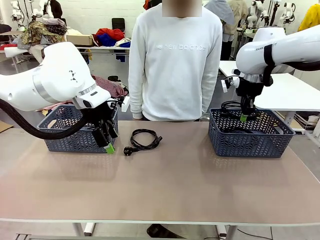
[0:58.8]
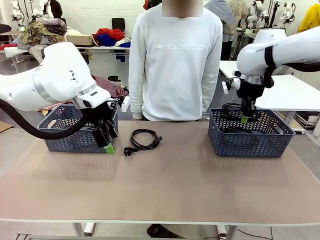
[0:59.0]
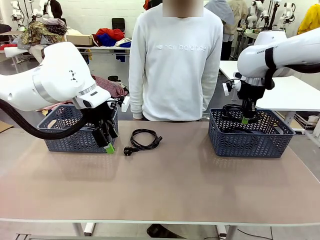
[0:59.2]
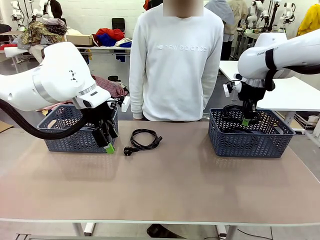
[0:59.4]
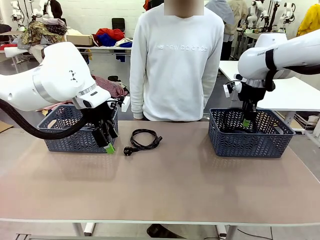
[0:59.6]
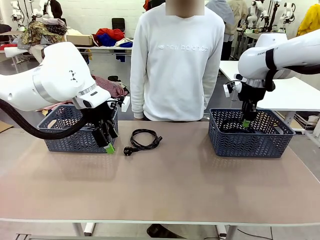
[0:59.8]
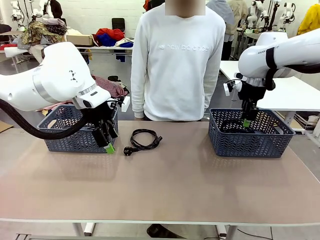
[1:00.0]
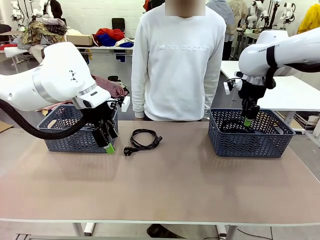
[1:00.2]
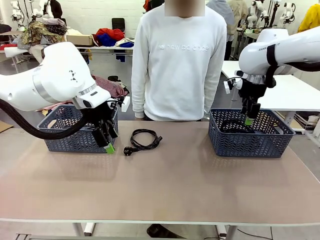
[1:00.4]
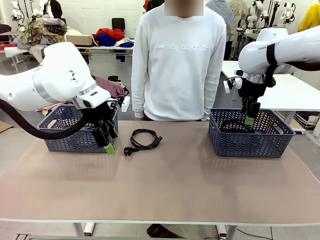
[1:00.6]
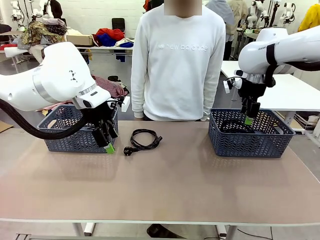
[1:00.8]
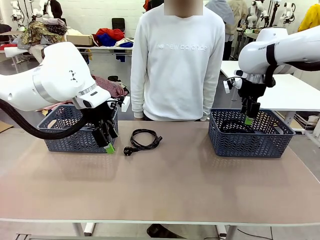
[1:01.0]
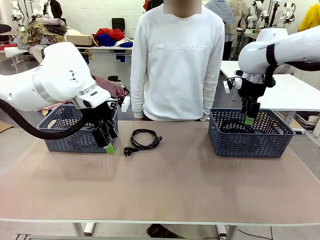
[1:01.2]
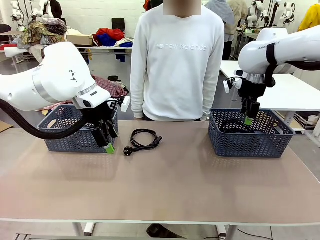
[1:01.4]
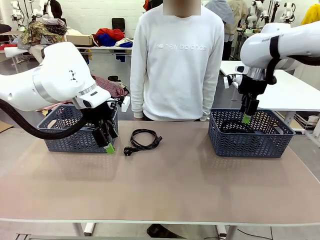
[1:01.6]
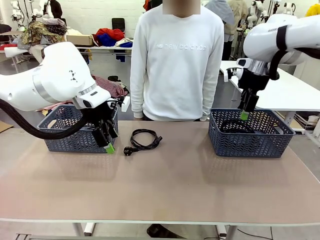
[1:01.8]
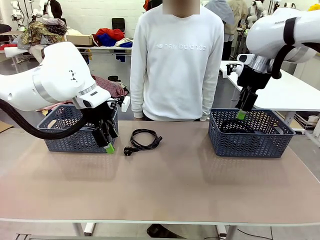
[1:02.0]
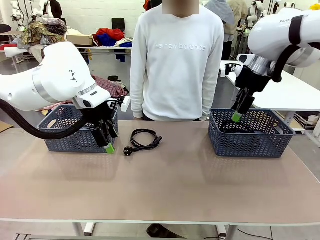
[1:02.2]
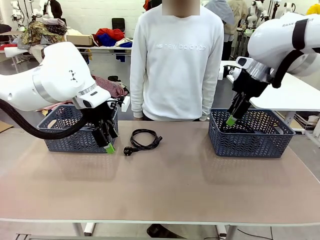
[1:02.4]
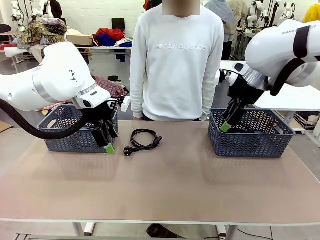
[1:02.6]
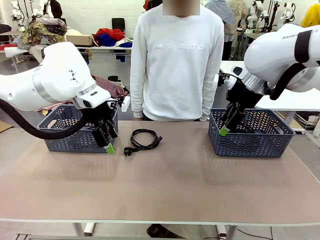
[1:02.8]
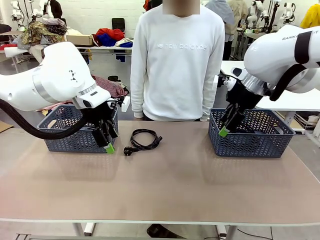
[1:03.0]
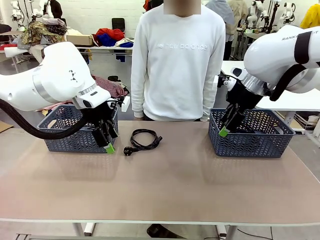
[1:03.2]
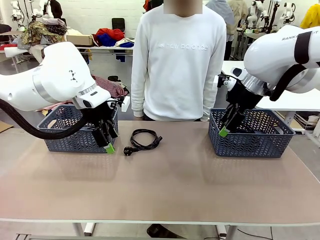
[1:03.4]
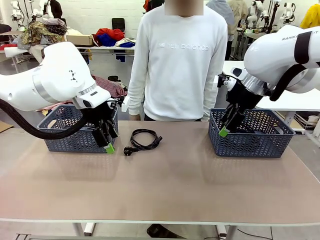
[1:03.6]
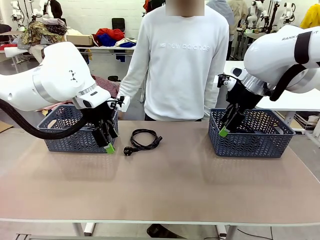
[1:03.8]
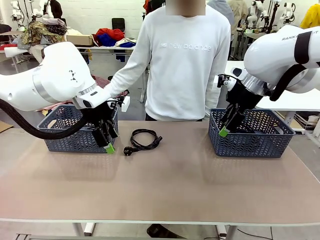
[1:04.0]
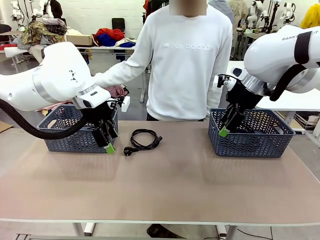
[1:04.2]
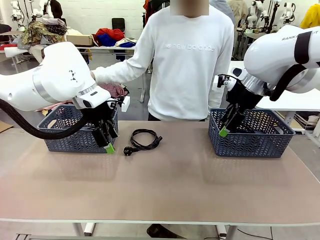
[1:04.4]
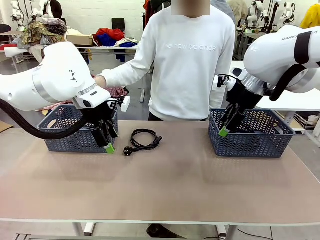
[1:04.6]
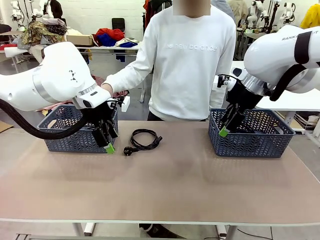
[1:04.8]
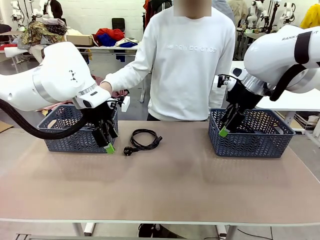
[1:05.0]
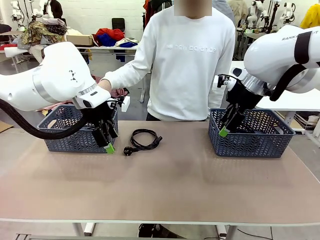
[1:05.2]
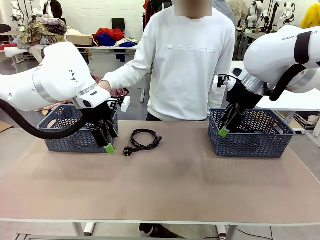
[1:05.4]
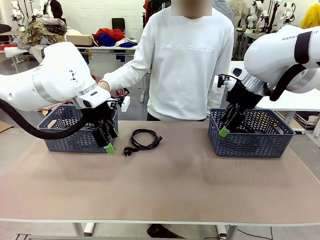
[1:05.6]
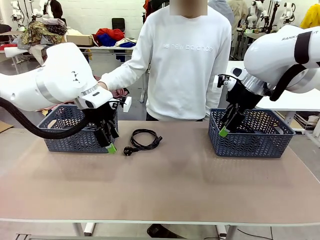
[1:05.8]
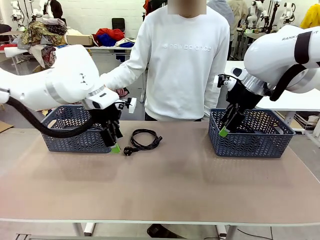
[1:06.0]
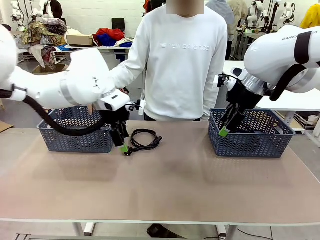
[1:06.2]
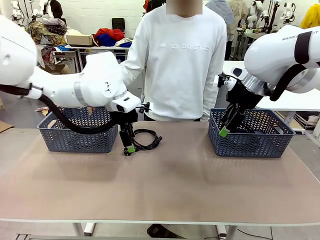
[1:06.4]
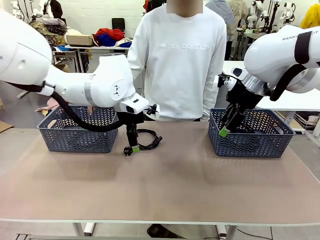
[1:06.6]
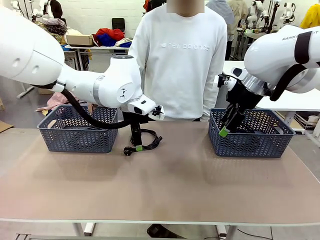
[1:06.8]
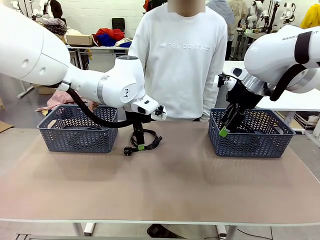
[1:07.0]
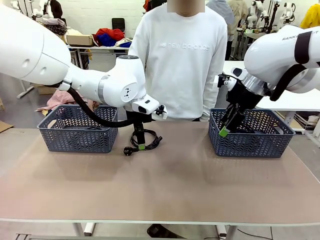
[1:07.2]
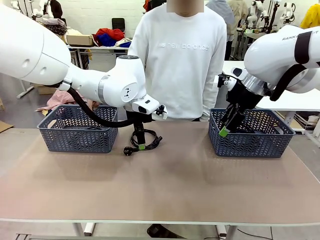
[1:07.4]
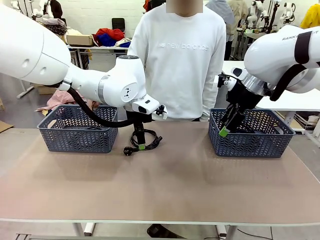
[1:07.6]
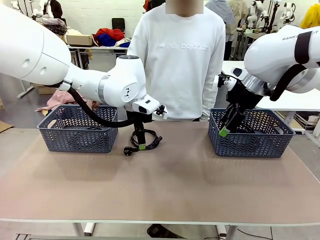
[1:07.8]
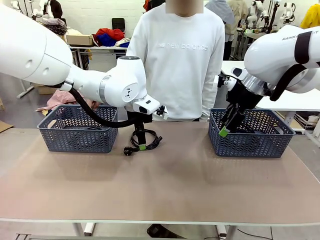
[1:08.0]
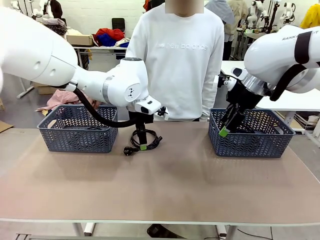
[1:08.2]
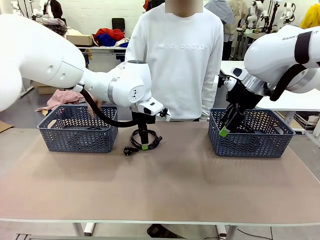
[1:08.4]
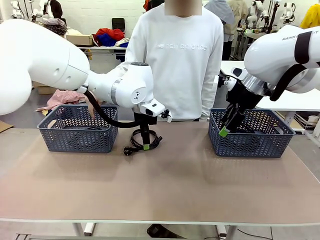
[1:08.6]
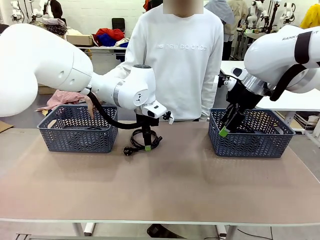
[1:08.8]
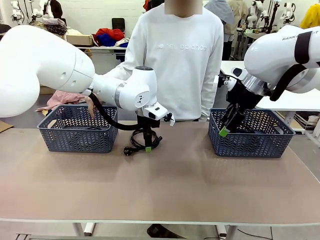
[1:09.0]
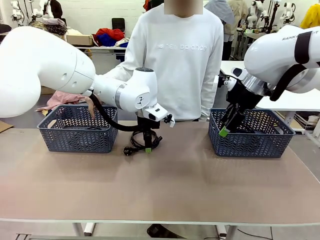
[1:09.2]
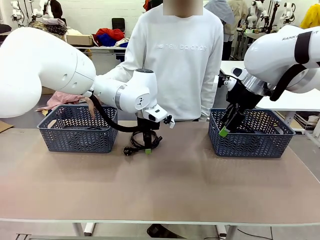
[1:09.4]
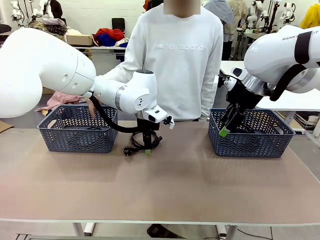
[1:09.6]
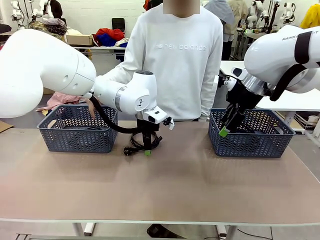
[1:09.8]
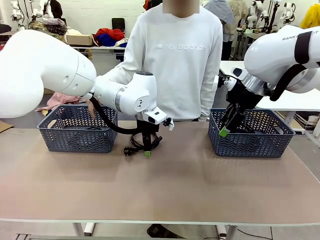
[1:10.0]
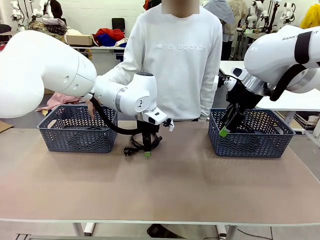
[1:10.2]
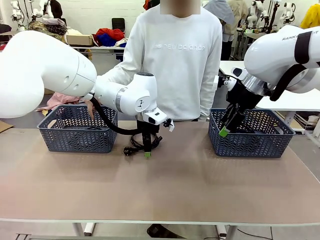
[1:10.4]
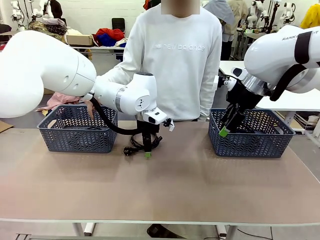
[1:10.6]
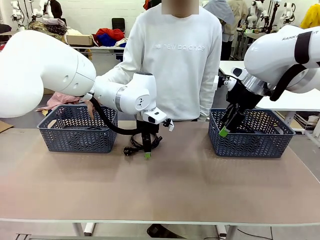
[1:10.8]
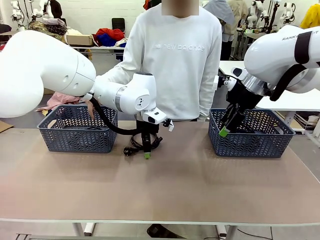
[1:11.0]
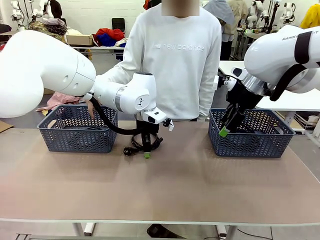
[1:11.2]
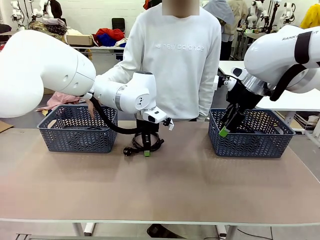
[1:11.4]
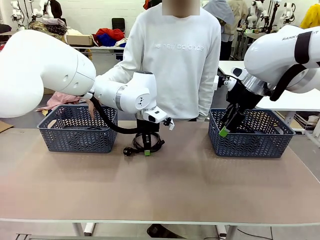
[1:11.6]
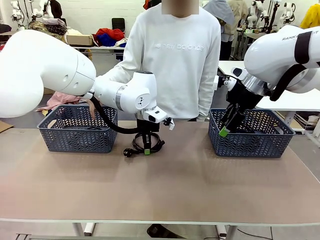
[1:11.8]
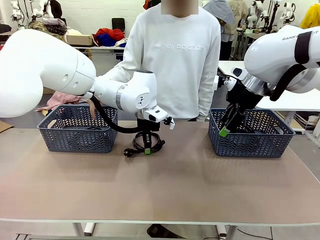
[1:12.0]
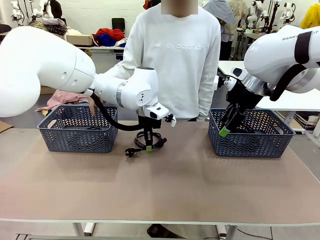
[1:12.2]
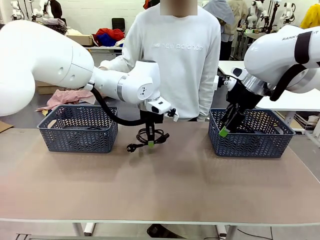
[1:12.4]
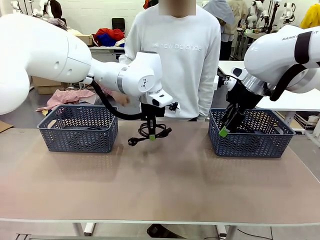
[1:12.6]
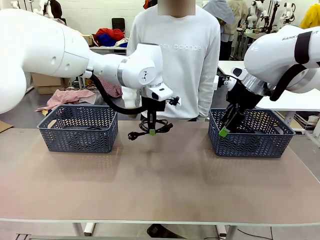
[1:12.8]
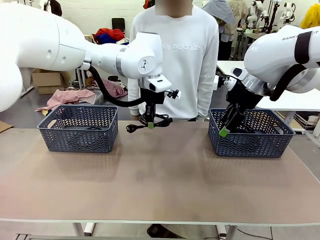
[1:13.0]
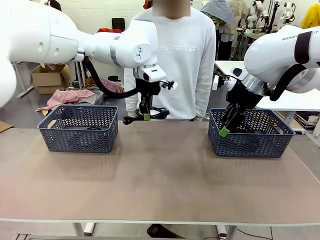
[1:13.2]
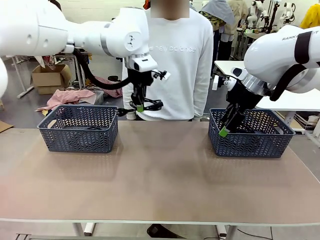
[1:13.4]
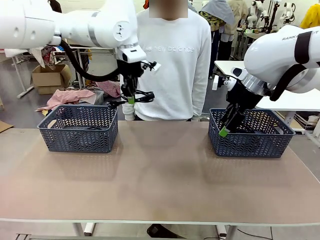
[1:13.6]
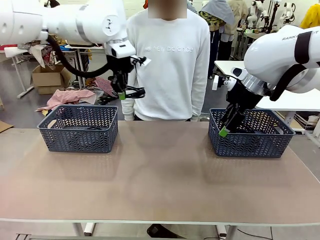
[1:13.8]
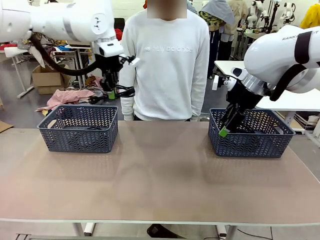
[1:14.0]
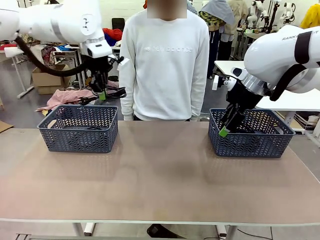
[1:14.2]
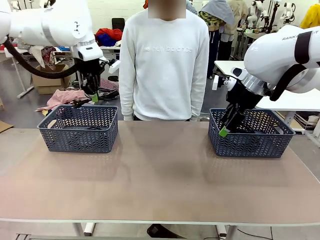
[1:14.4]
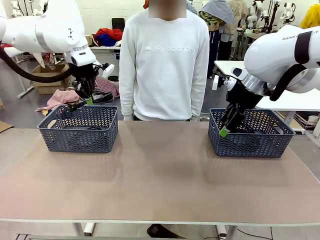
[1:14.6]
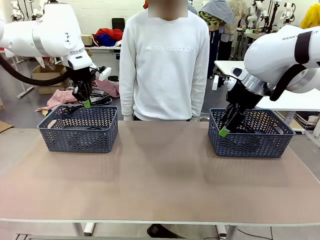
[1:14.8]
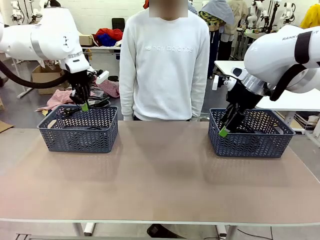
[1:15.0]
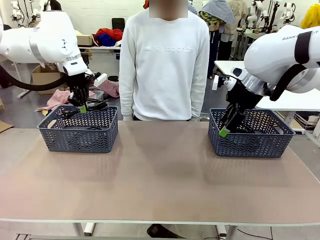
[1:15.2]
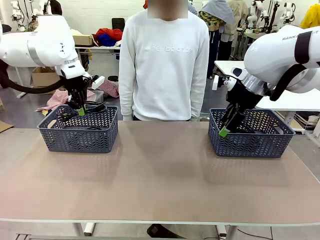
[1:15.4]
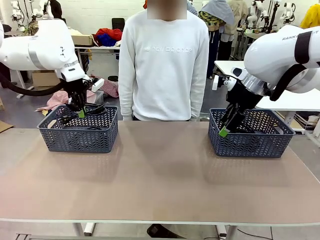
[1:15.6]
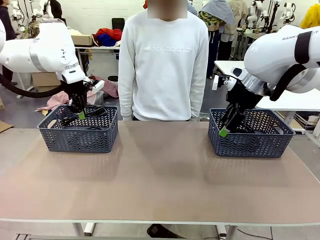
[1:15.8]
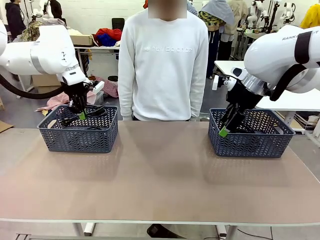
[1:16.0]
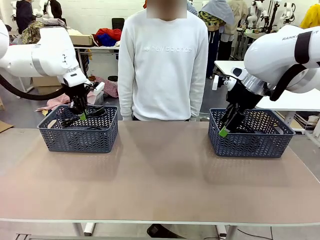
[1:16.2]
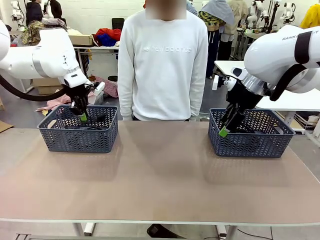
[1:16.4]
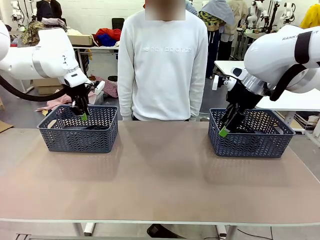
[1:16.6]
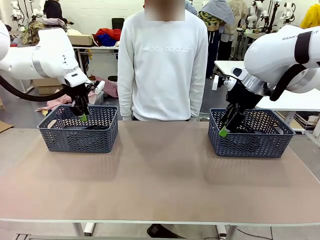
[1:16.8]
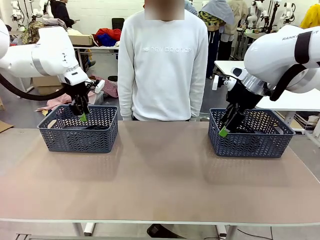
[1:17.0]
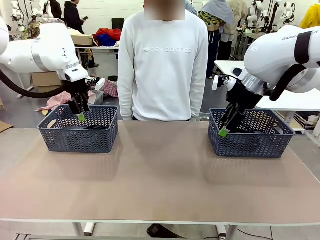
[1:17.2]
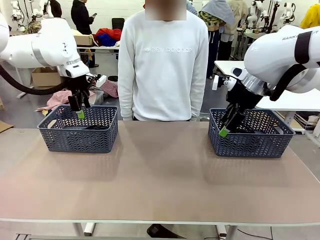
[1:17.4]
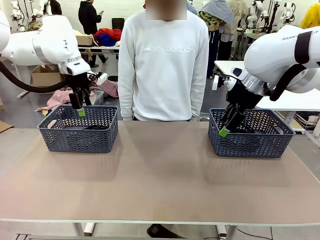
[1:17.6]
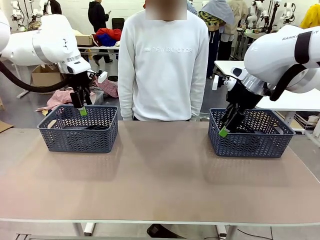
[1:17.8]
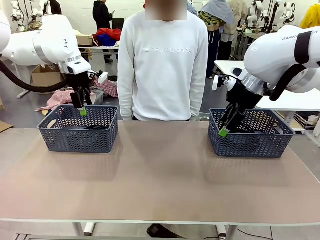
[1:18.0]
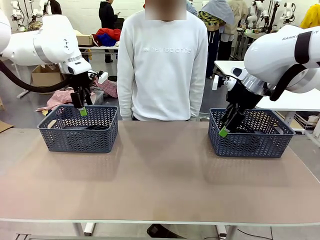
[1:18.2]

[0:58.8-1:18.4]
Task: Organize the cables according to human instructions.
Robot: Pick up a bundle of cables and place it in the basket indicated by the human.
